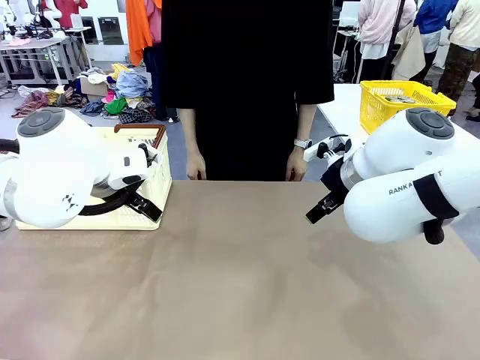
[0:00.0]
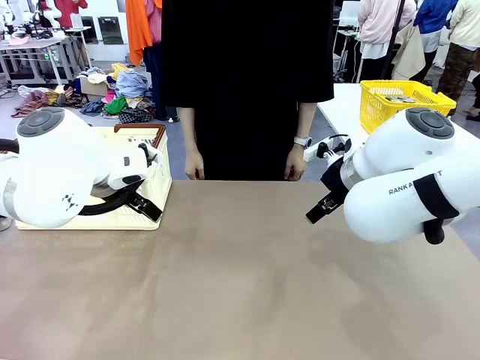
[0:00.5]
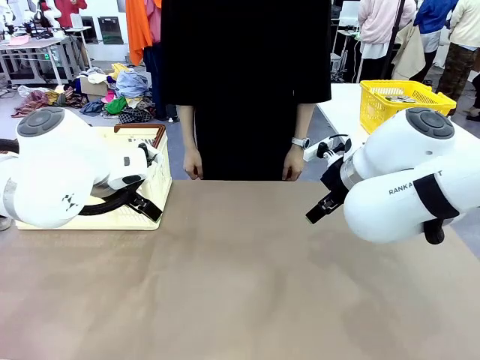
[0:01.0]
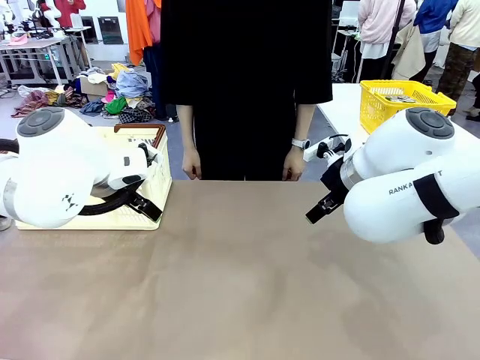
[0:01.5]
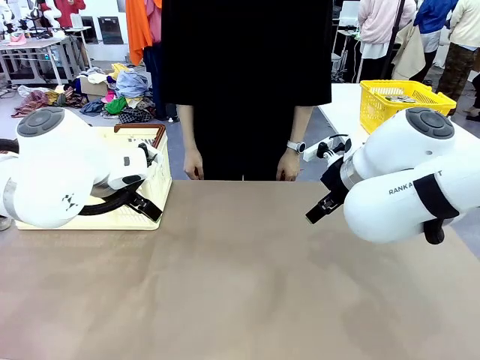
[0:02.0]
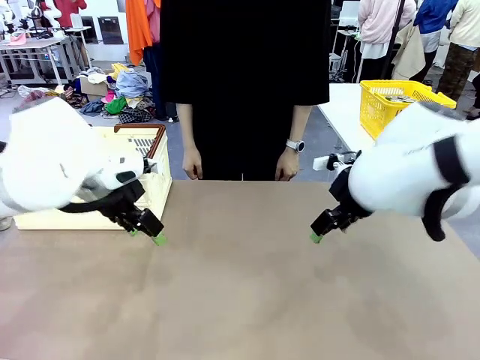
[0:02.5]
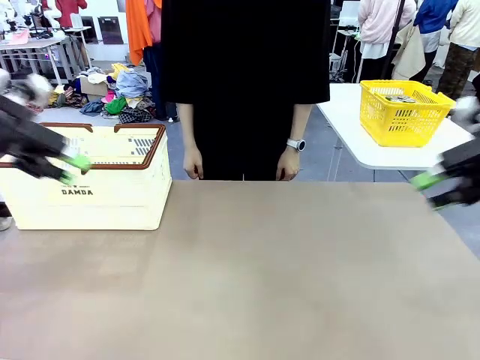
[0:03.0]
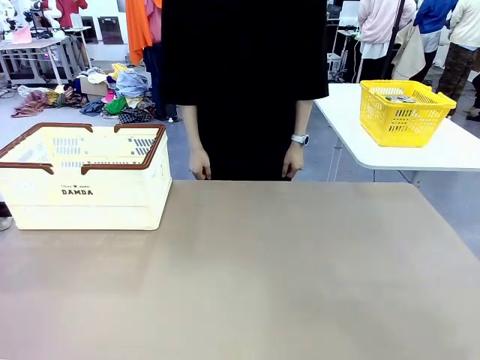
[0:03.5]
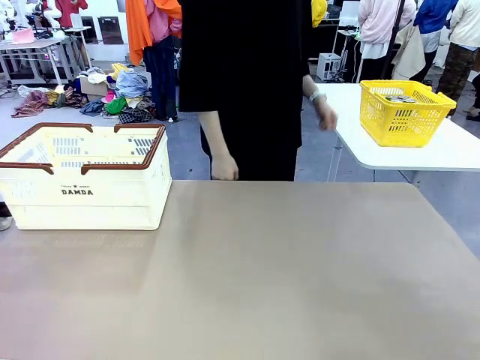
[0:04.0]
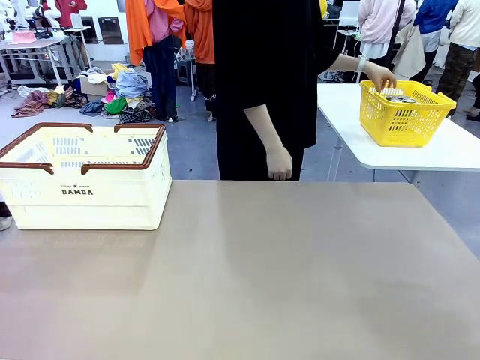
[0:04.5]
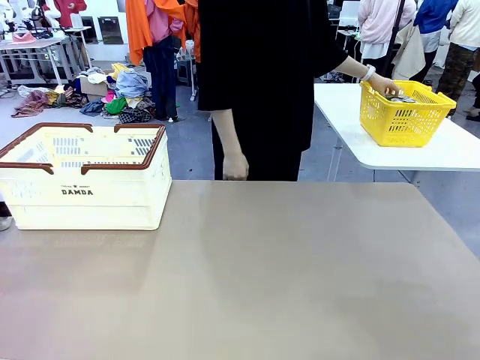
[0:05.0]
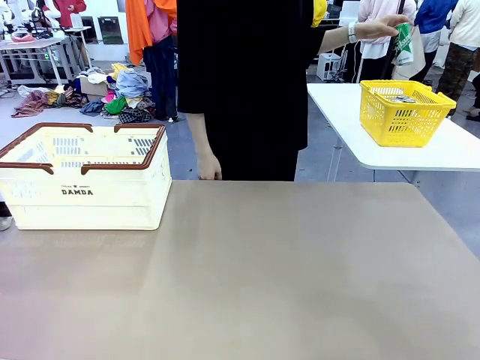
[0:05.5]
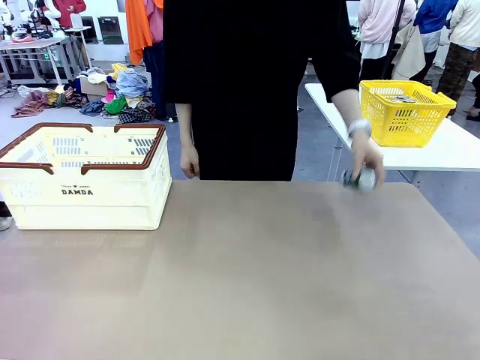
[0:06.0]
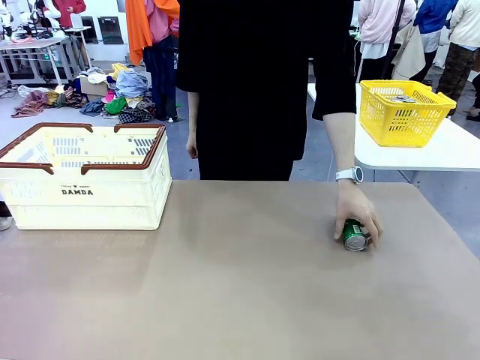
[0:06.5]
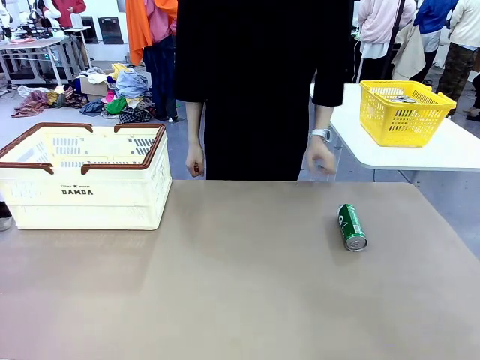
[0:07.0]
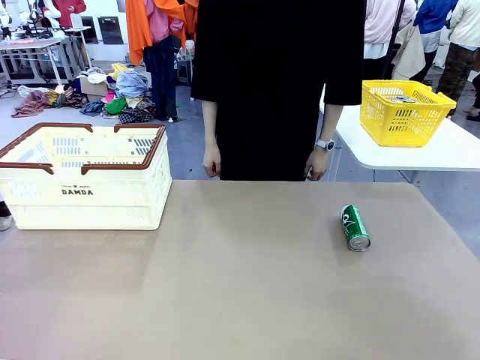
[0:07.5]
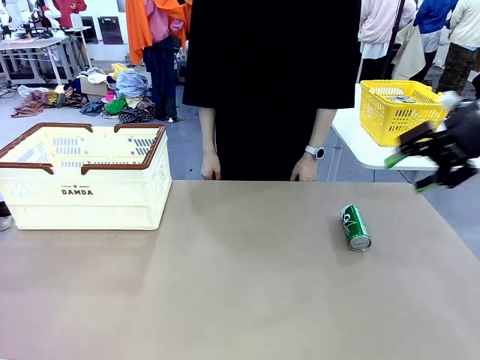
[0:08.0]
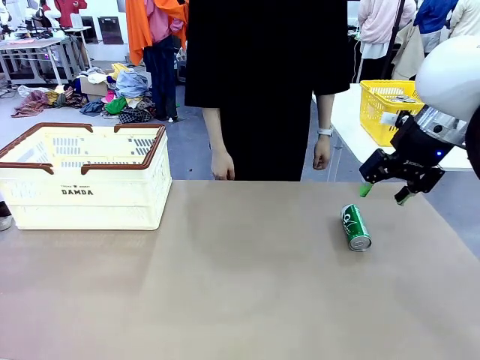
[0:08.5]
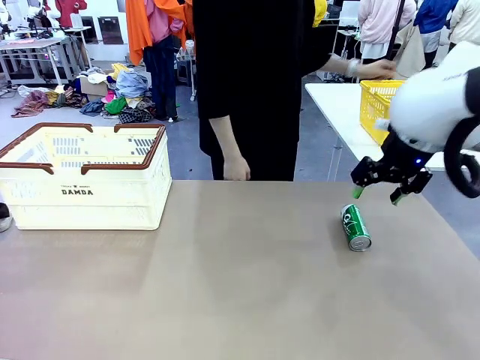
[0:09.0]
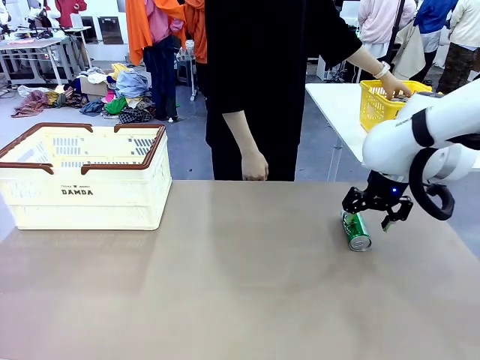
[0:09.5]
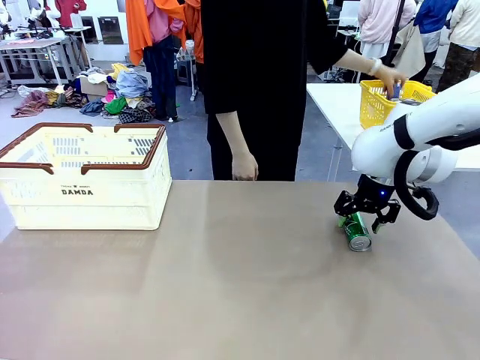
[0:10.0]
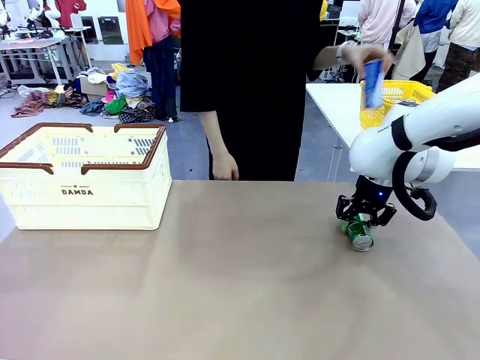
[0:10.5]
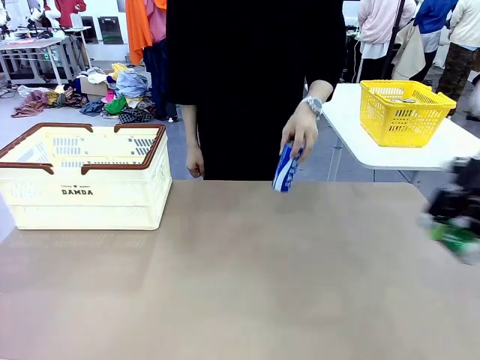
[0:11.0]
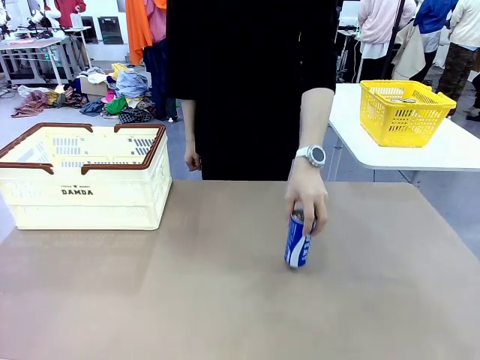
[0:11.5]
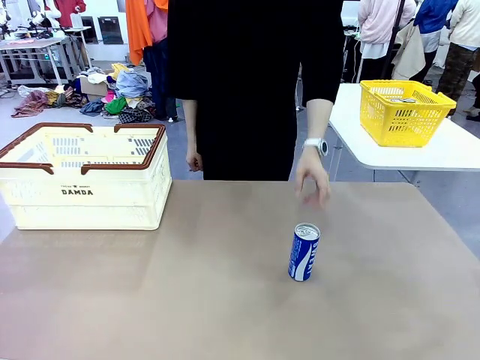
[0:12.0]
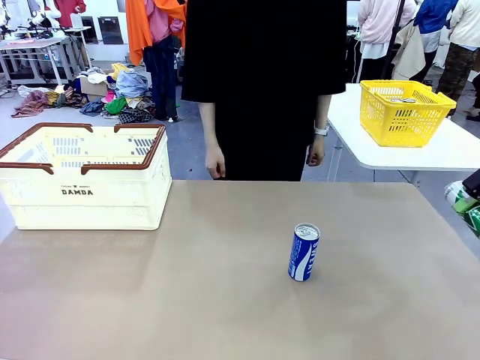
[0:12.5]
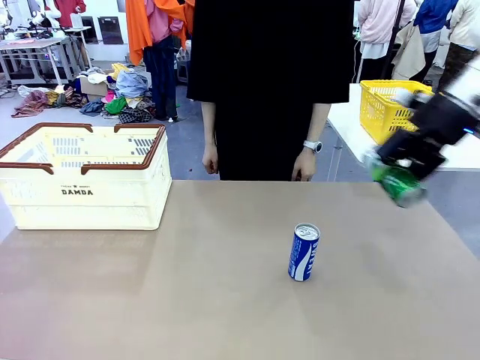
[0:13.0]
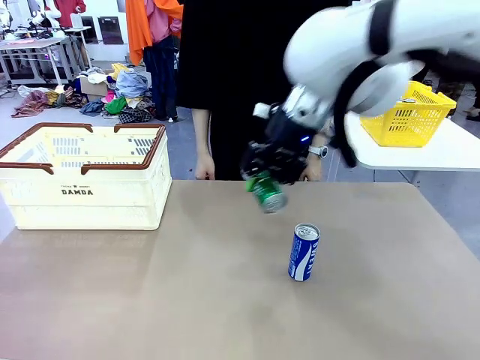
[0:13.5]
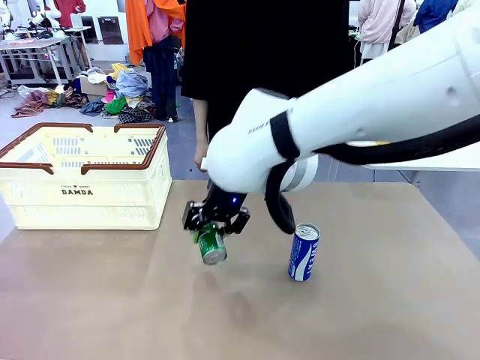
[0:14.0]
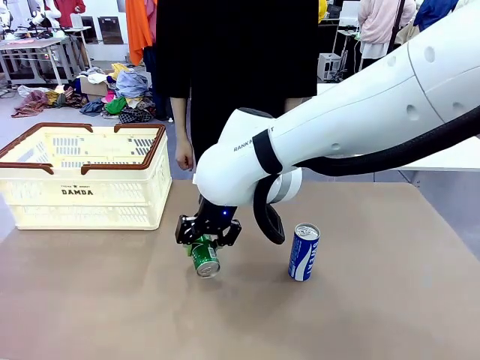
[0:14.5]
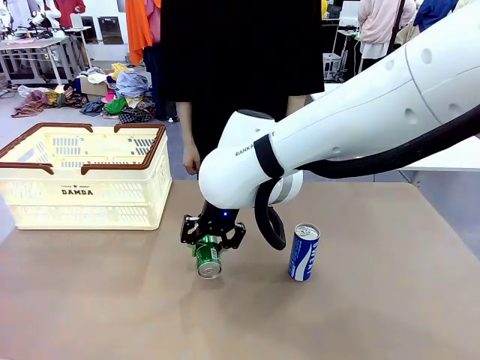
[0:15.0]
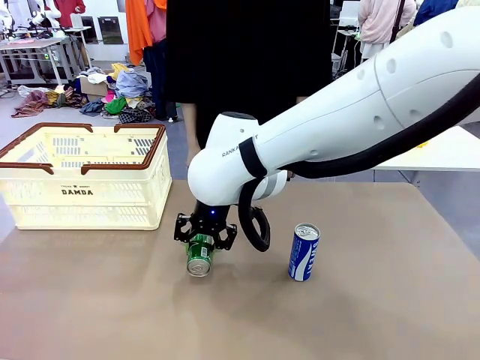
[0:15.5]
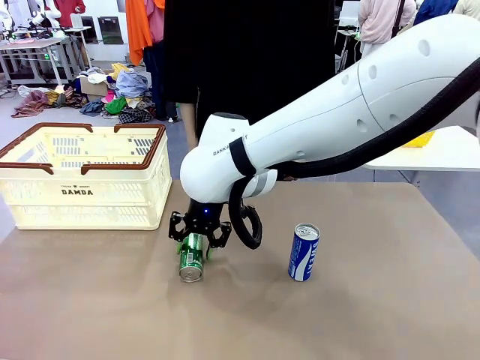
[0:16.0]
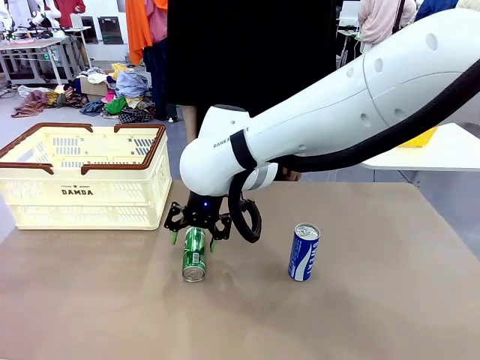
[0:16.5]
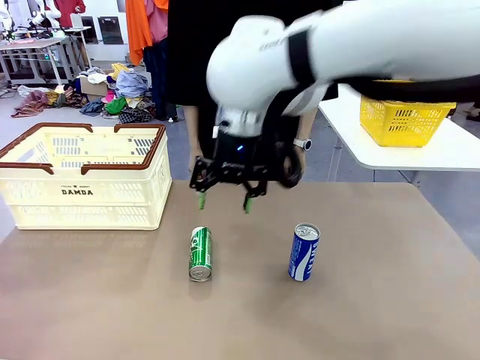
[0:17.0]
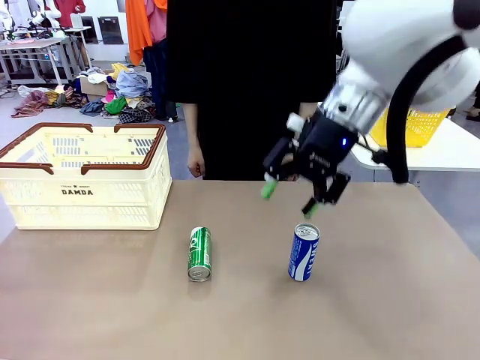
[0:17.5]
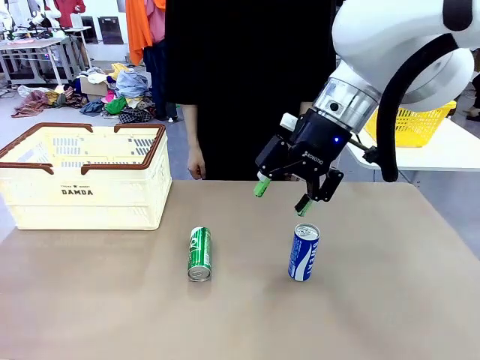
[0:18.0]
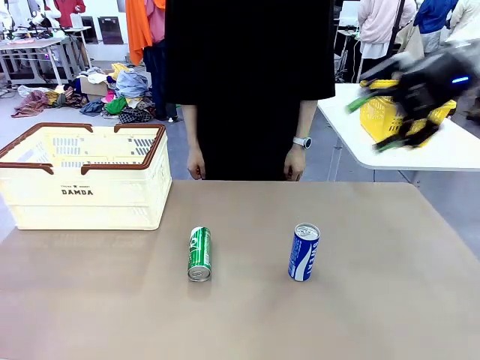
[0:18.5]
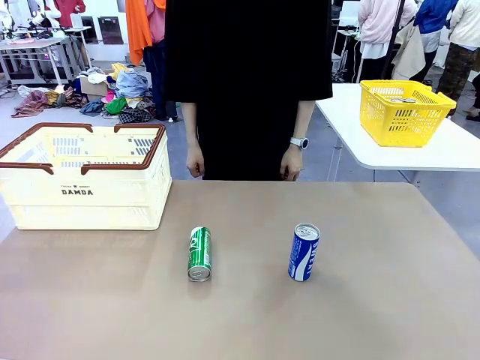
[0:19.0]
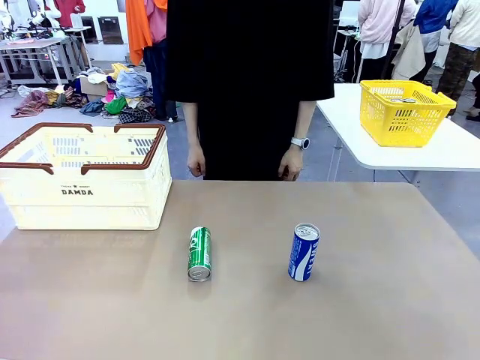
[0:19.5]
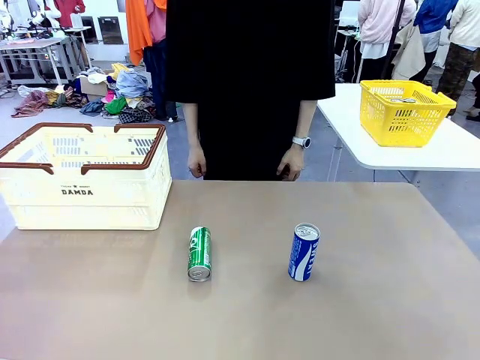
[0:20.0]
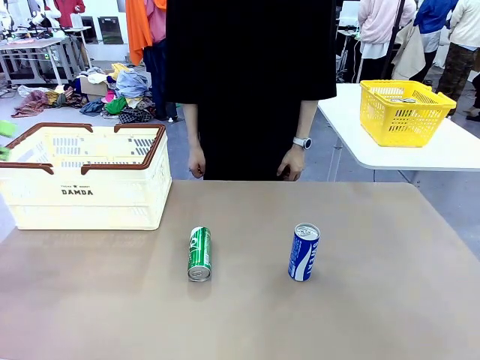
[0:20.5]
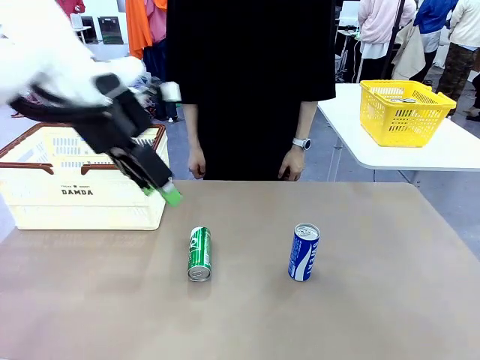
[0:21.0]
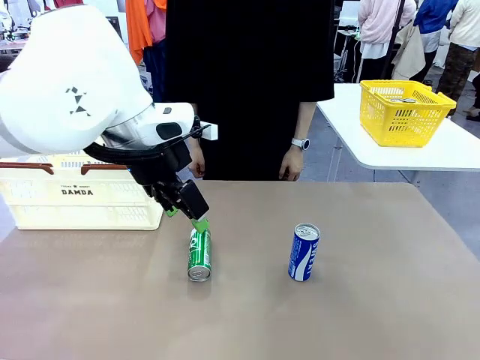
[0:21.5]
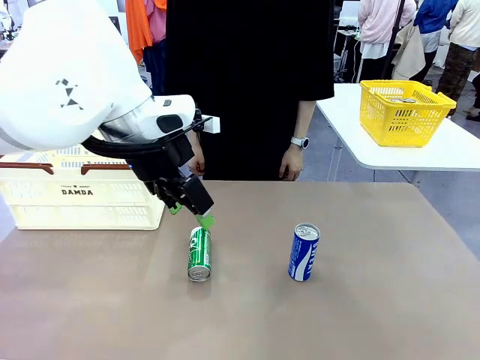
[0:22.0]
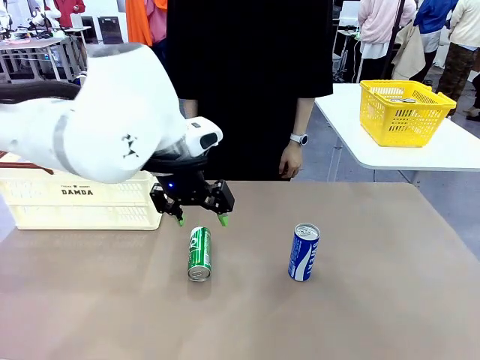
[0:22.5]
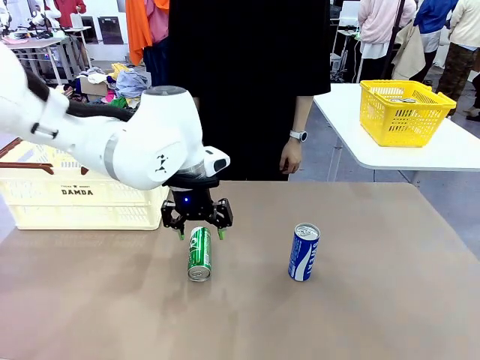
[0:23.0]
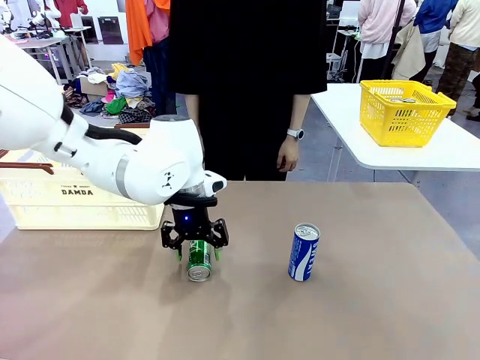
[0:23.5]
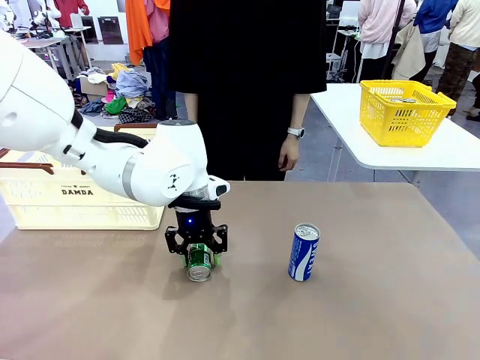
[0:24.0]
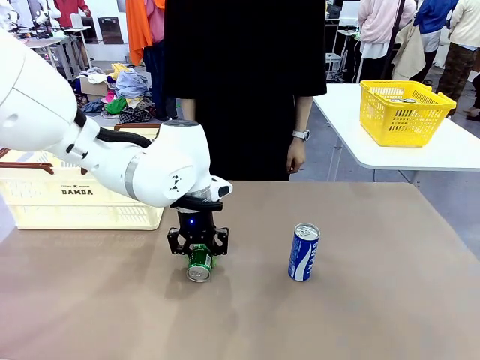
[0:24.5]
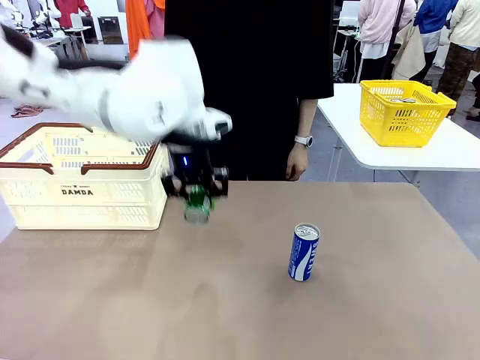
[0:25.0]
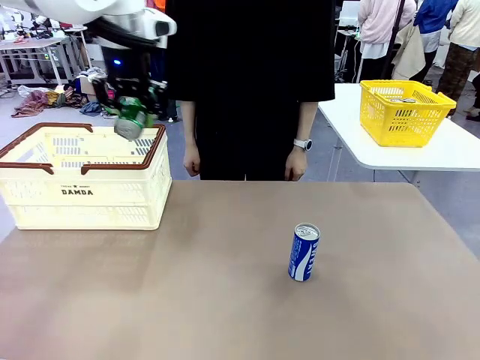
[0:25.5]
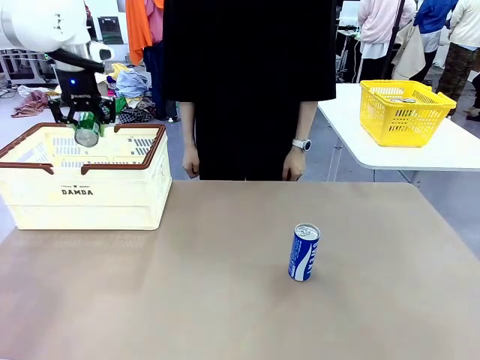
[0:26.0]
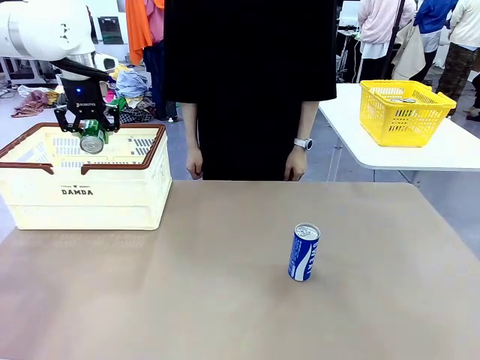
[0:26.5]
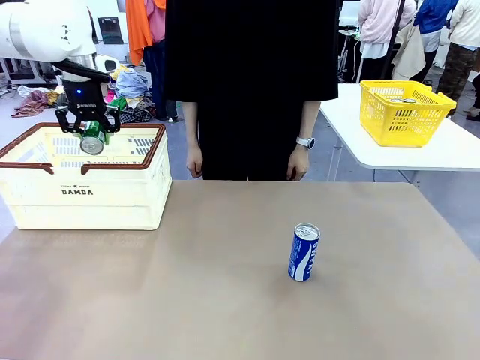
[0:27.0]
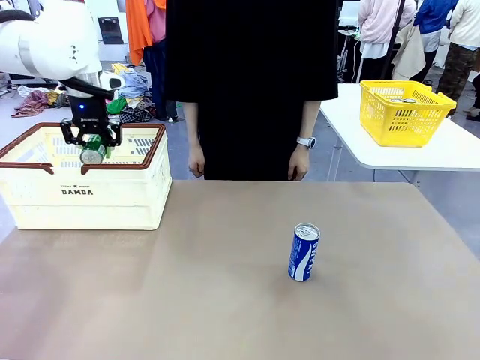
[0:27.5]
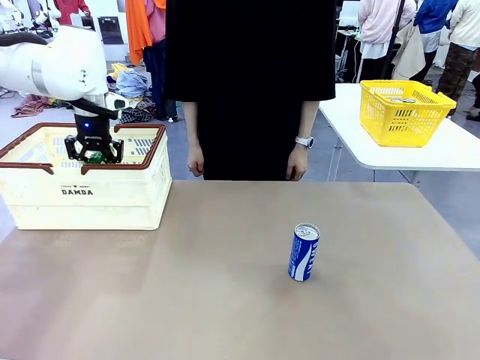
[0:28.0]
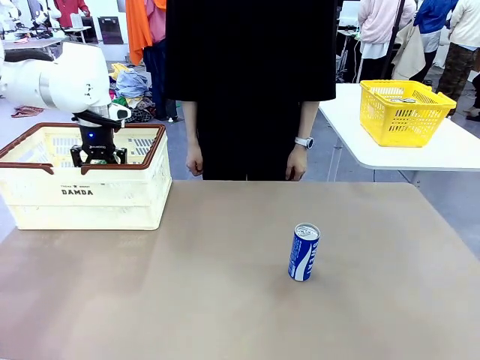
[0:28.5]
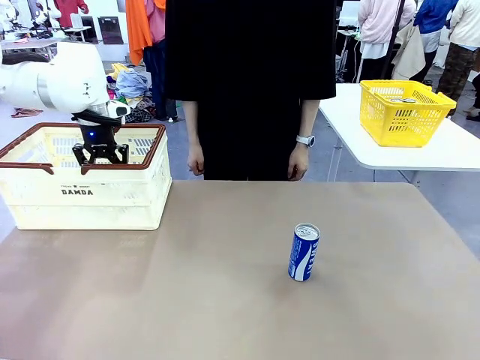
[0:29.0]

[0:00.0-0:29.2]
Task: Place the drinks into the Shopping basket.
Robot: Pick up one drink and place it into the Shopping basket.
